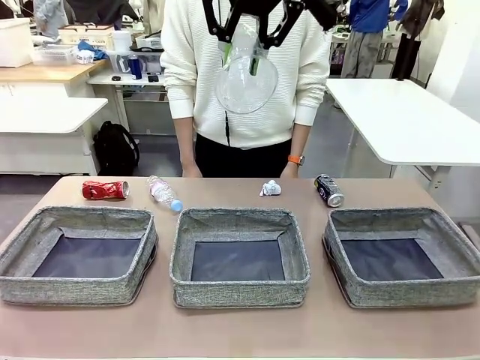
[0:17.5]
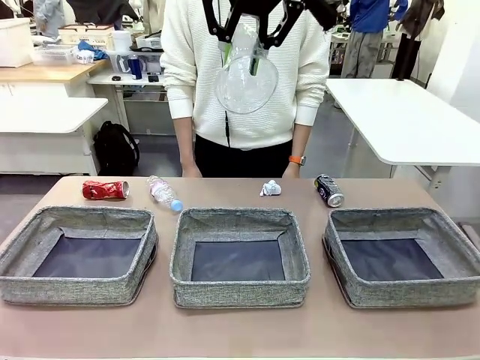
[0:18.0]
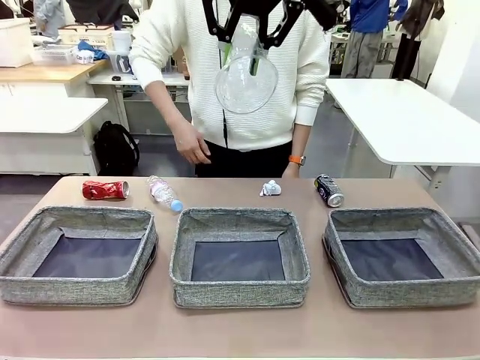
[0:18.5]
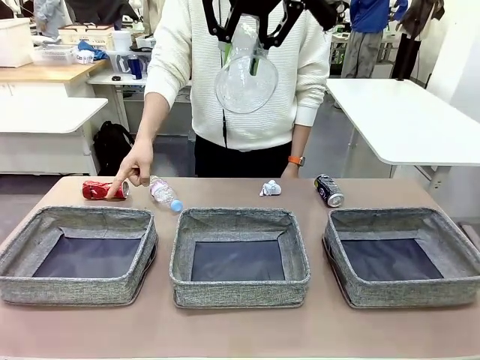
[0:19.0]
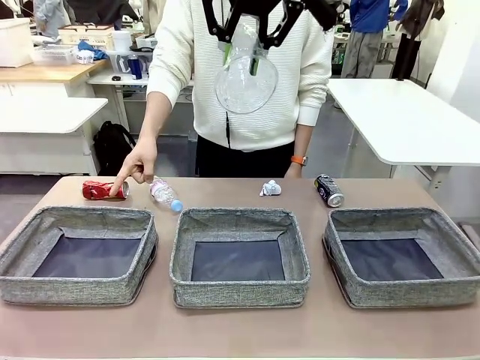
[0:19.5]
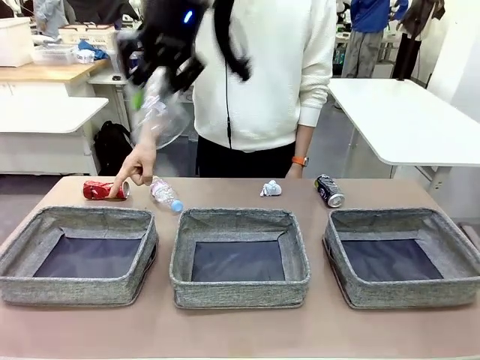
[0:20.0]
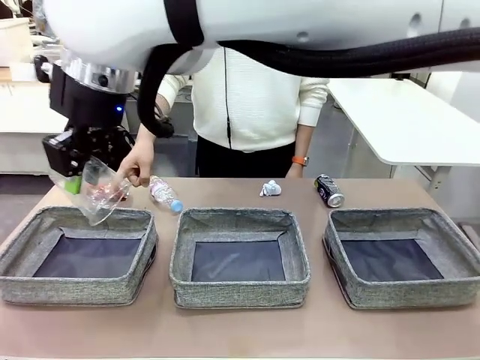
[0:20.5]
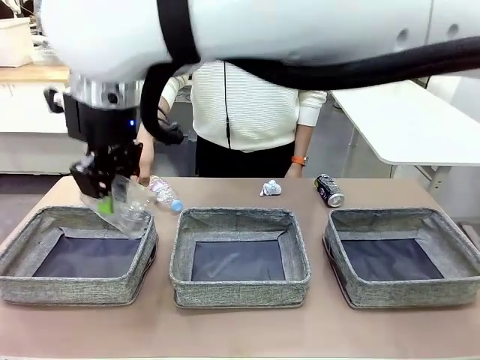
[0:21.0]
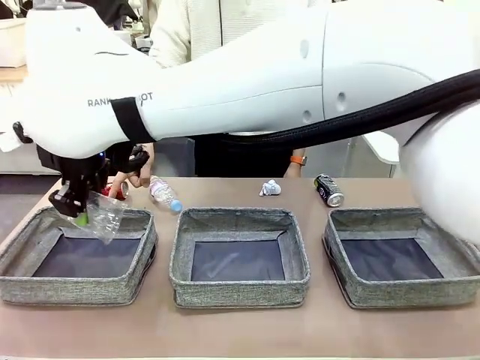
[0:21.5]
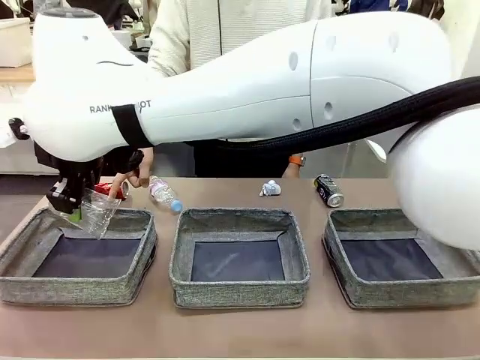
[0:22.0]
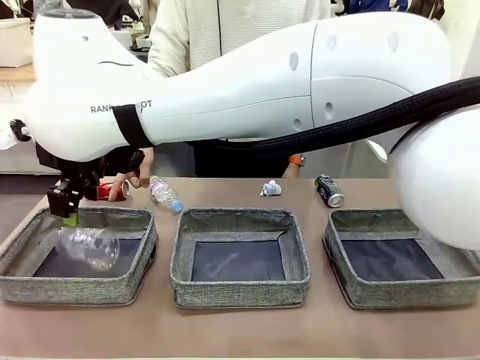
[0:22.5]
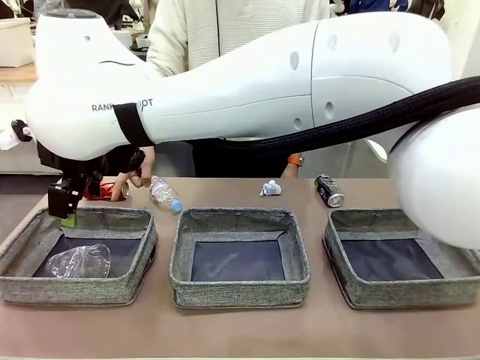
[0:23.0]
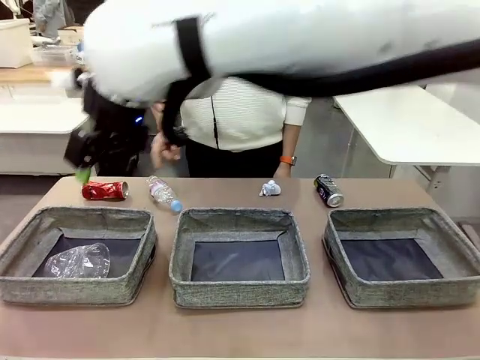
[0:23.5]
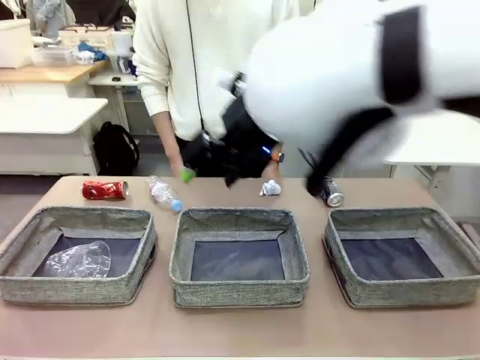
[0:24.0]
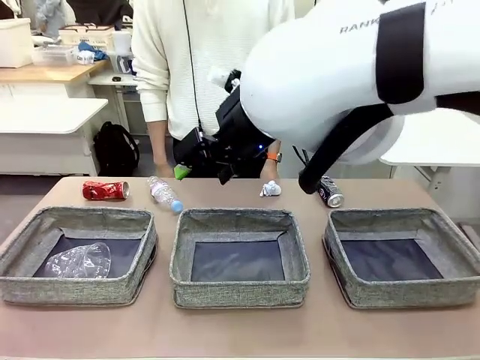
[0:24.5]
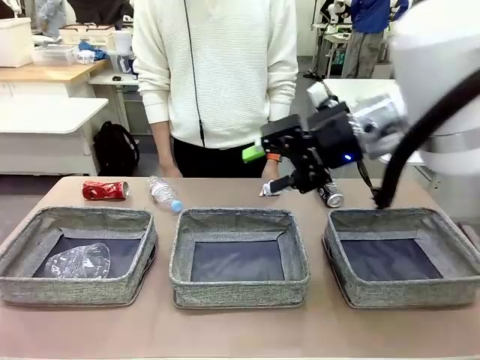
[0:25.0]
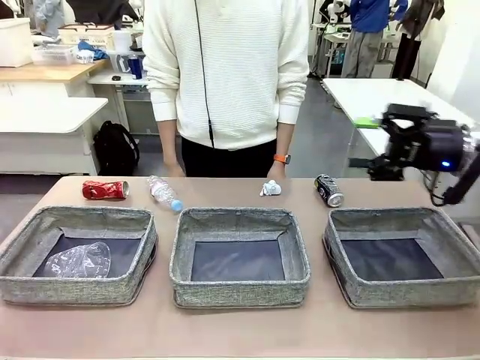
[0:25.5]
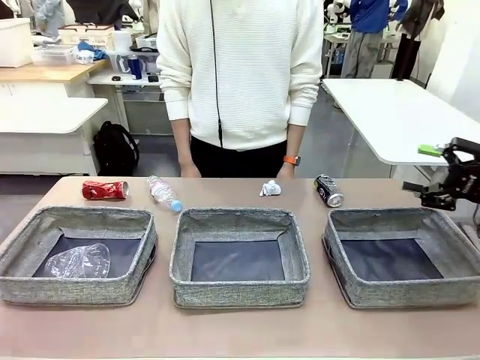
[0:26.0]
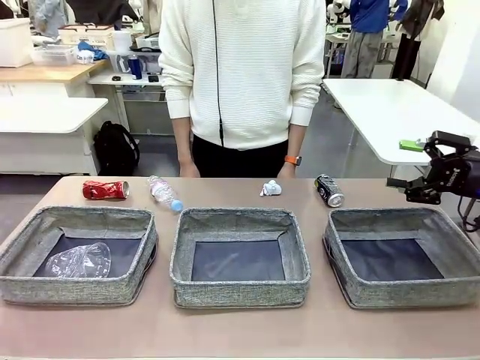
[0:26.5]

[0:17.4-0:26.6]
Task: Sort the waste into the appropriate baskets.
Robot: Place the picked waste into the Fabric basket indicated by the person.
Person: Instructs the robot to place the picked-up trash into the appropriate organizing basket.

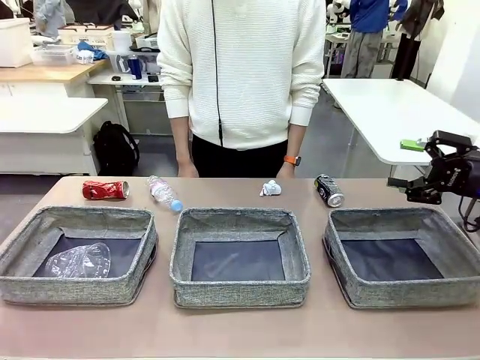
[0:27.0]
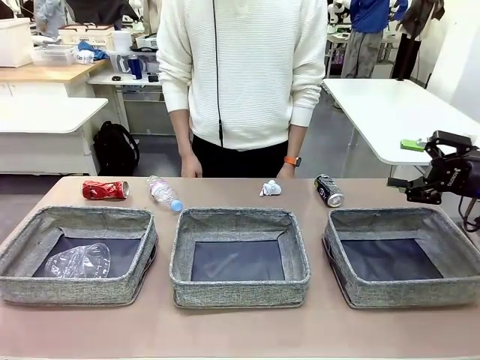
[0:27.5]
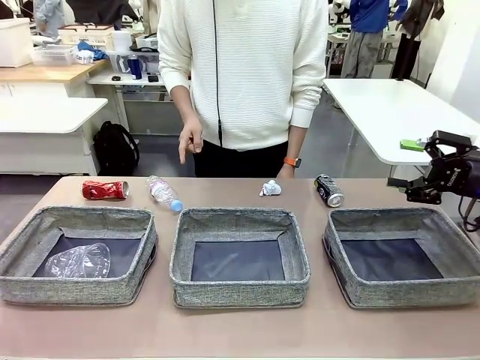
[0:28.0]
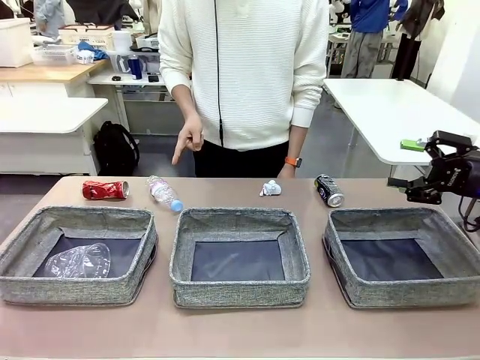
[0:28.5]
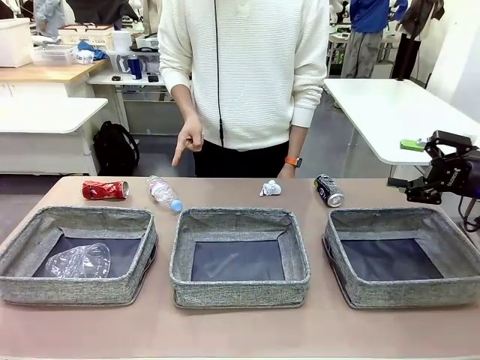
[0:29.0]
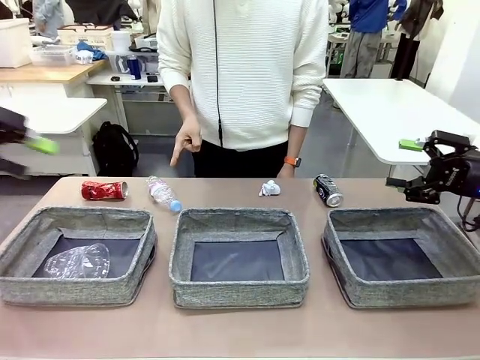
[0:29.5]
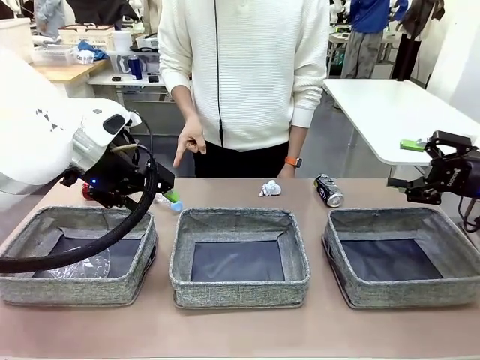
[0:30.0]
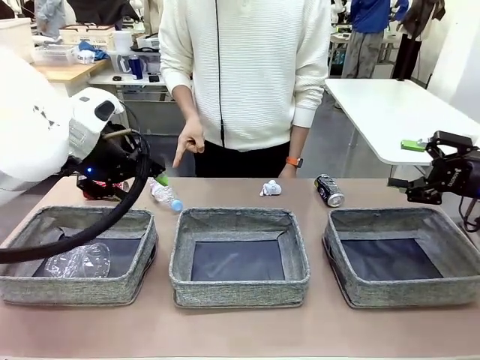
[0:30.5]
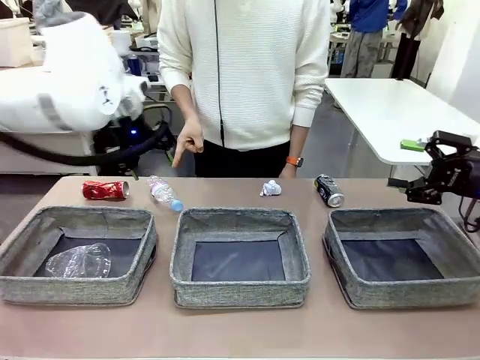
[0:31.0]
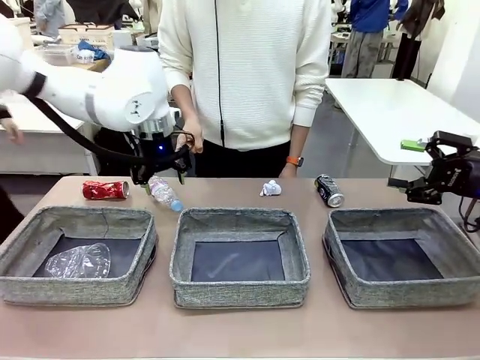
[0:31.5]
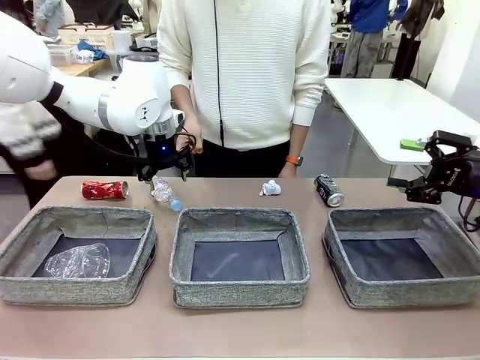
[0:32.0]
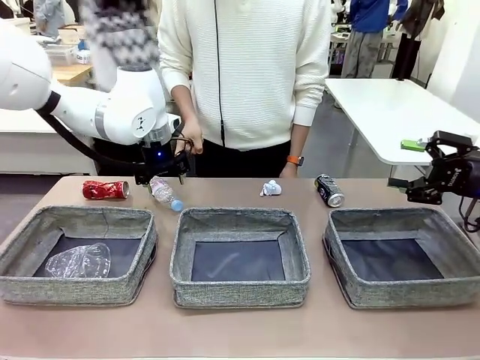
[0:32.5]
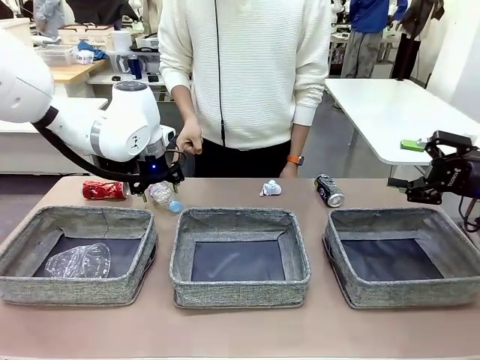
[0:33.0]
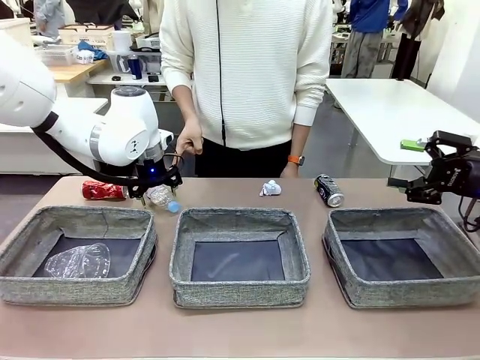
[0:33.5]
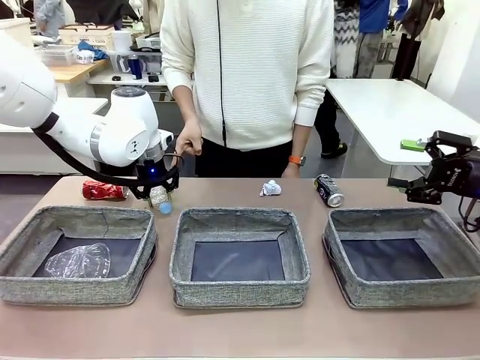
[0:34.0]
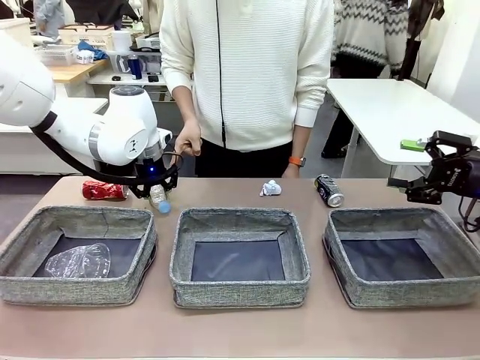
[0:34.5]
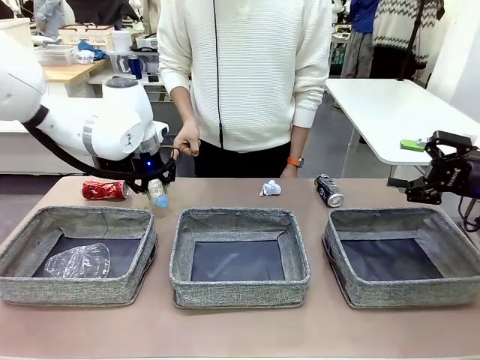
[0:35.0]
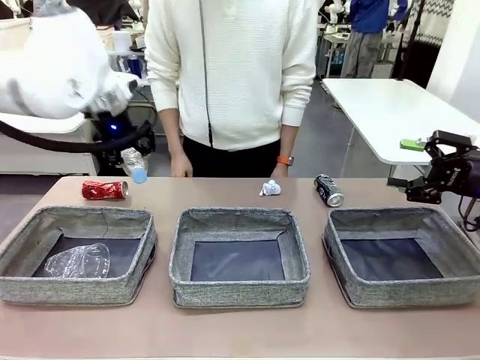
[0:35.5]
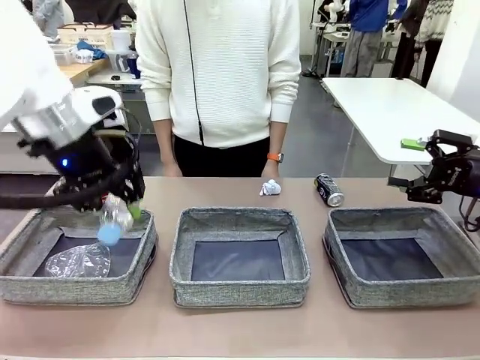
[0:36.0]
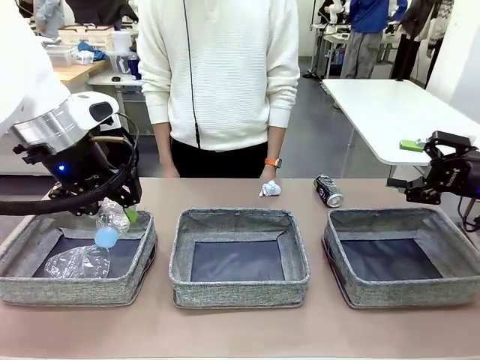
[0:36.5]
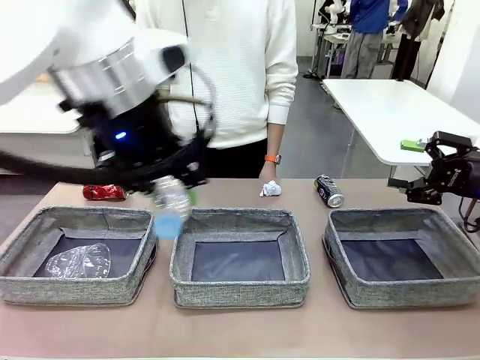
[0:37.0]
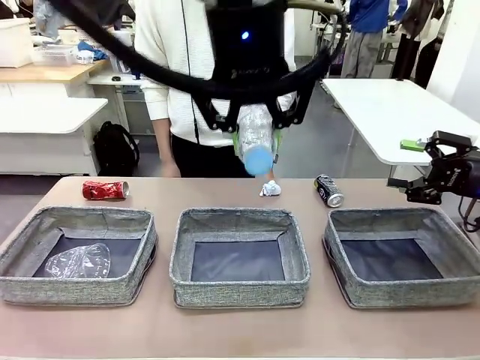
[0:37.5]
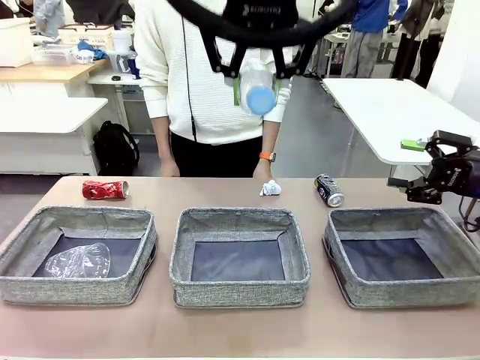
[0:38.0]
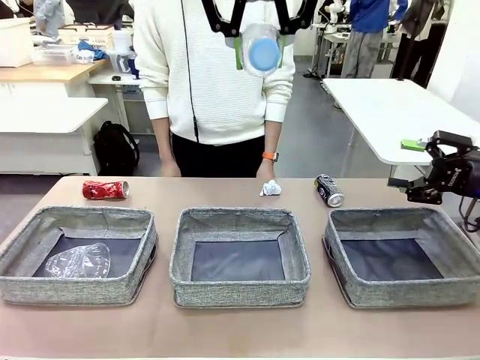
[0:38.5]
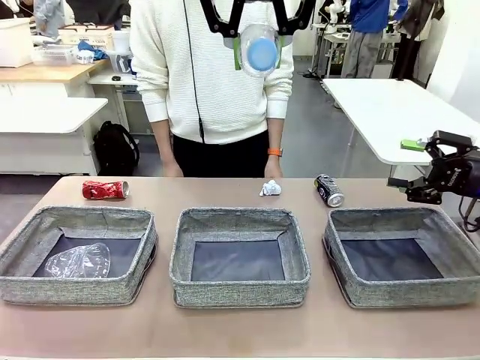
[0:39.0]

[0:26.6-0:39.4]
Robot: Pick up the waste item pointed out by the person.
Person: Points to one piece of trash on the table.

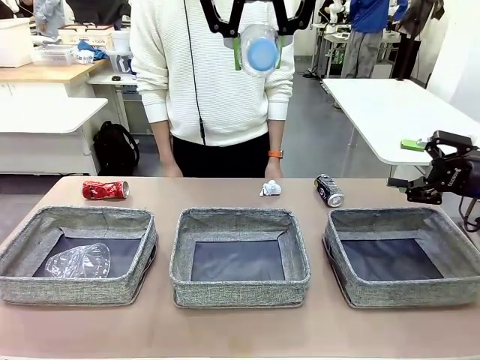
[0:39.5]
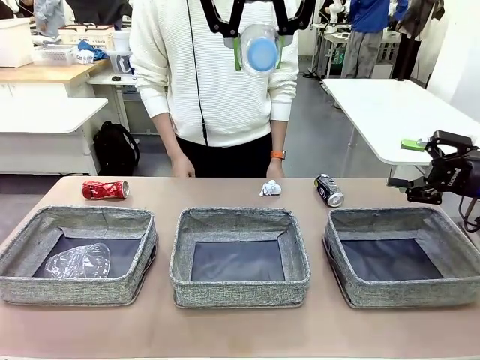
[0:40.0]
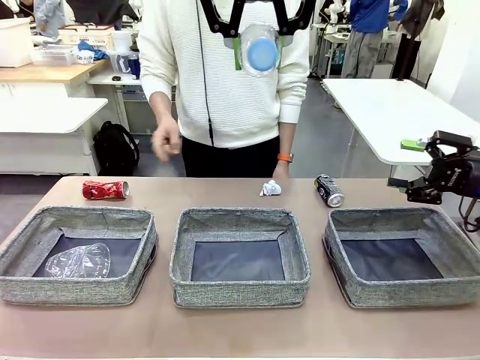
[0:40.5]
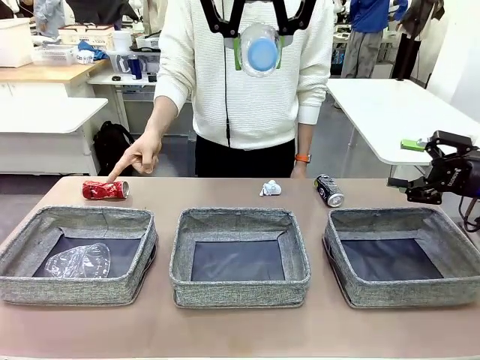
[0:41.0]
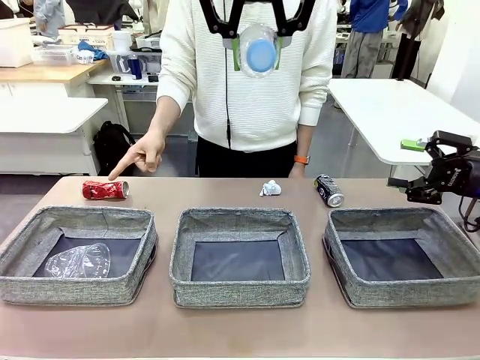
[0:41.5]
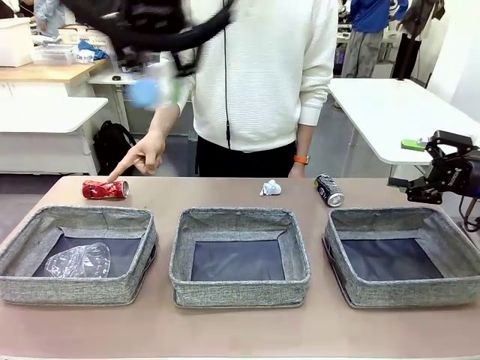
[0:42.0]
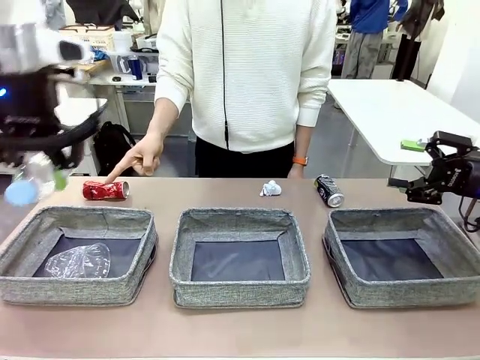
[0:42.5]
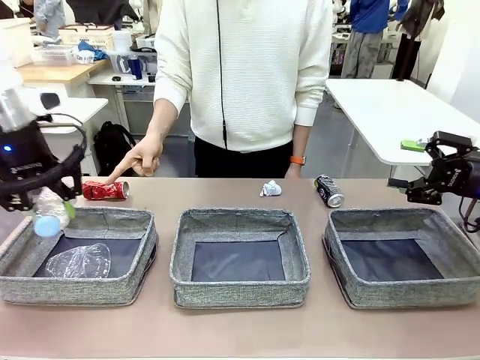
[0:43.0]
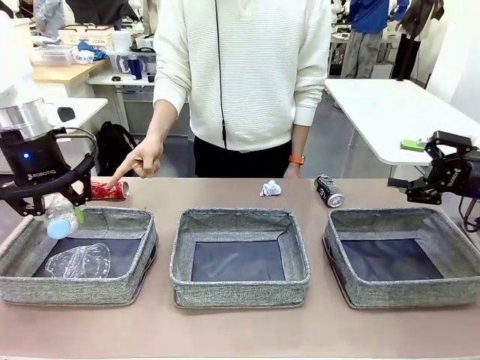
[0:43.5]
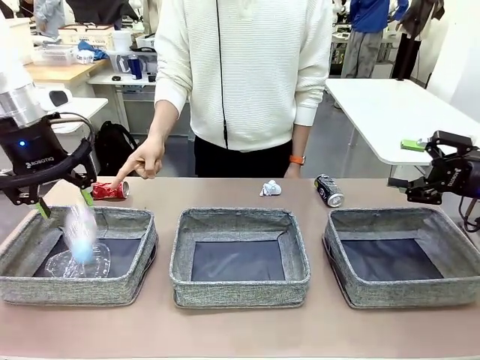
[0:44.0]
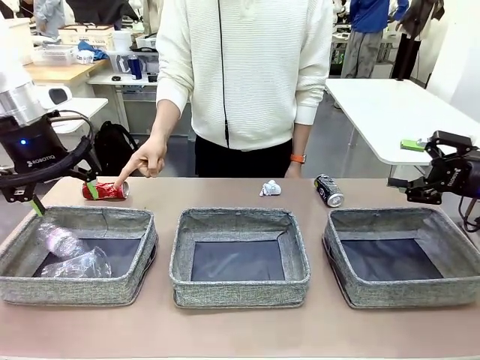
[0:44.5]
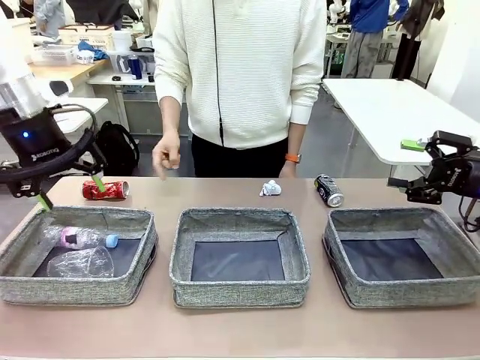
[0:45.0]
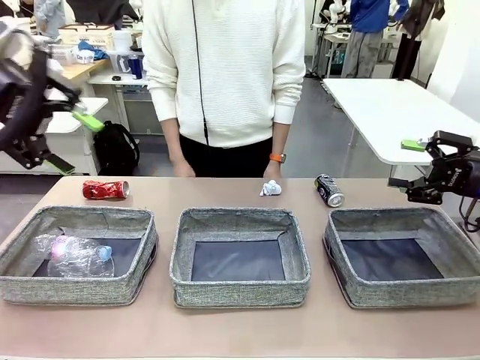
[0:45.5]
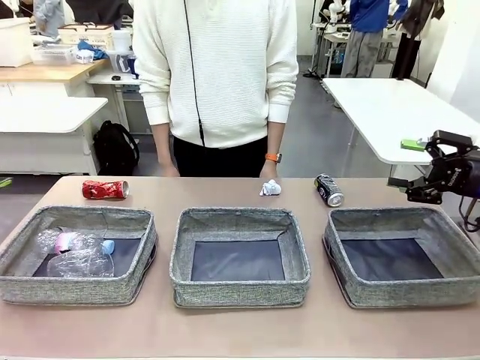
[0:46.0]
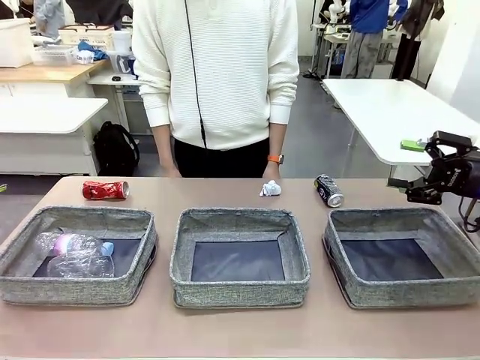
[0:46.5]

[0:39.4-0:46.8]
Robot: Place the picked waste into the Fabric basket indicated by the person.
Person: Instructs the robot to place the picked-up trash into the appropriate organizing basket.
